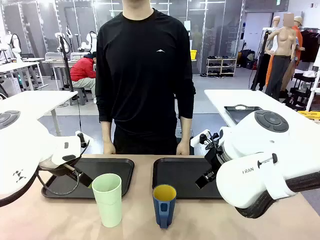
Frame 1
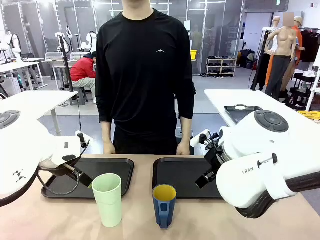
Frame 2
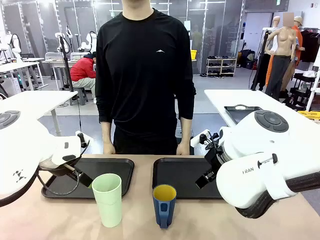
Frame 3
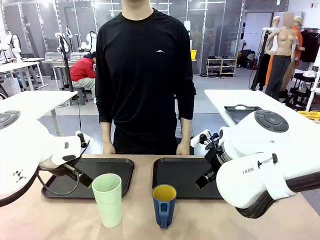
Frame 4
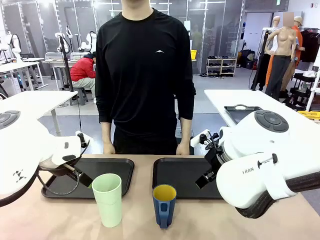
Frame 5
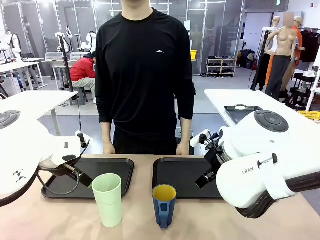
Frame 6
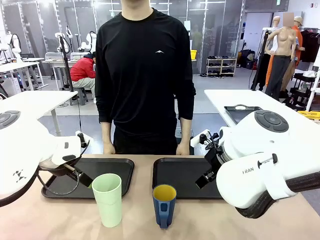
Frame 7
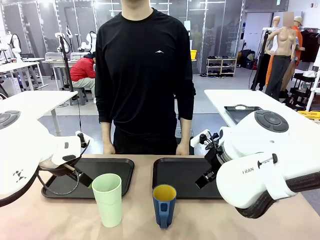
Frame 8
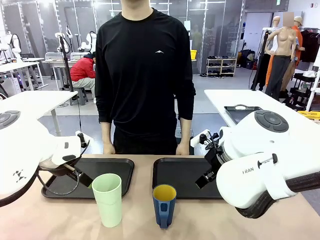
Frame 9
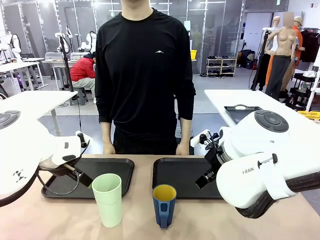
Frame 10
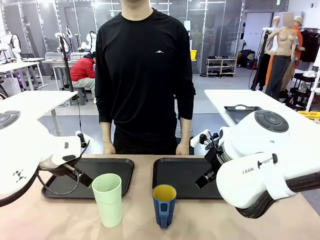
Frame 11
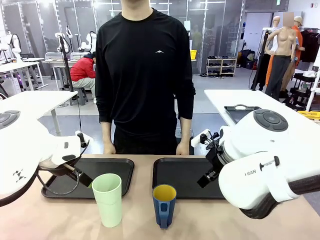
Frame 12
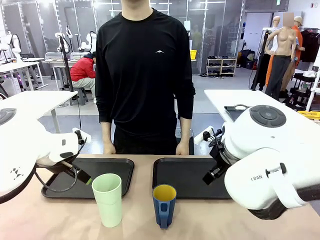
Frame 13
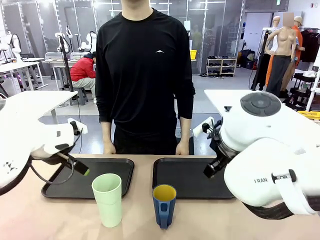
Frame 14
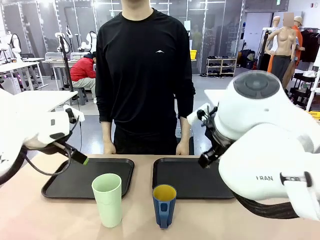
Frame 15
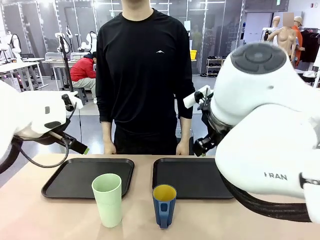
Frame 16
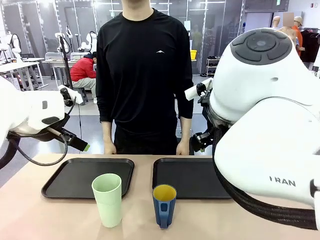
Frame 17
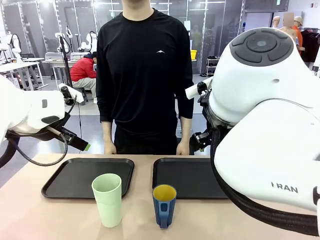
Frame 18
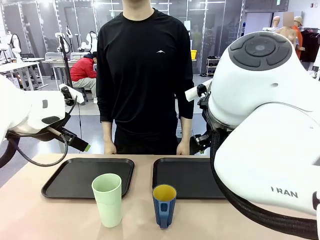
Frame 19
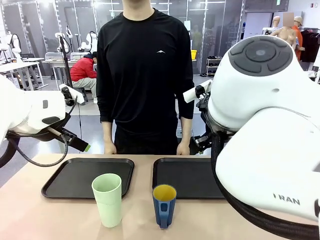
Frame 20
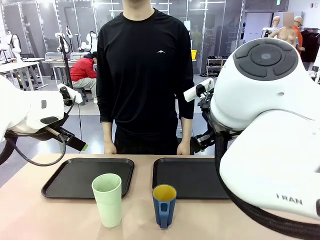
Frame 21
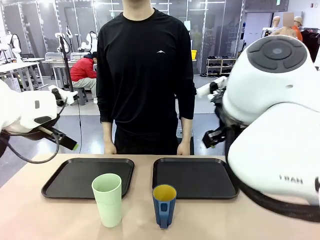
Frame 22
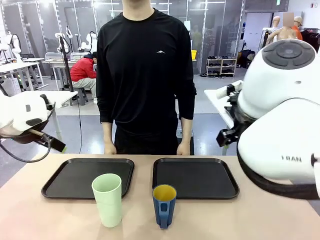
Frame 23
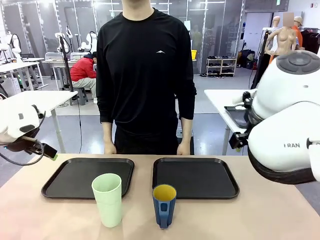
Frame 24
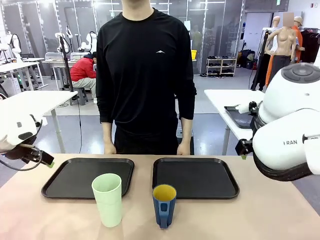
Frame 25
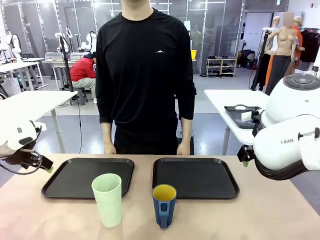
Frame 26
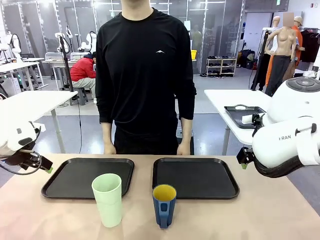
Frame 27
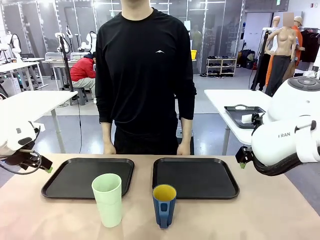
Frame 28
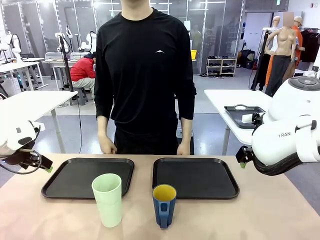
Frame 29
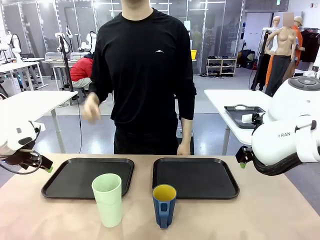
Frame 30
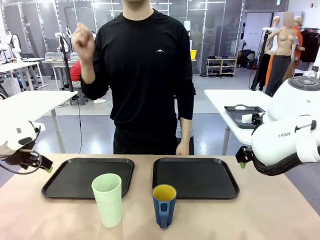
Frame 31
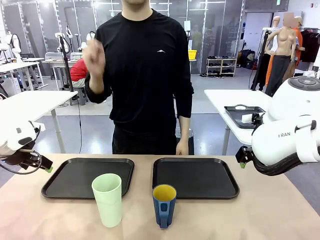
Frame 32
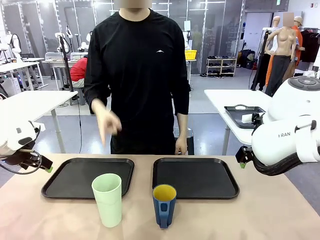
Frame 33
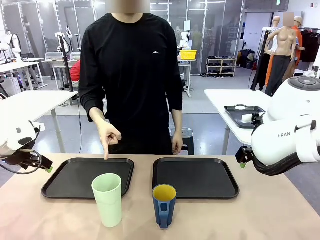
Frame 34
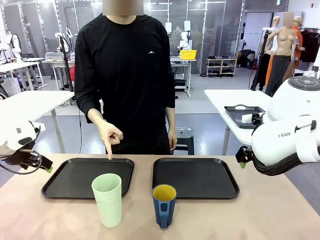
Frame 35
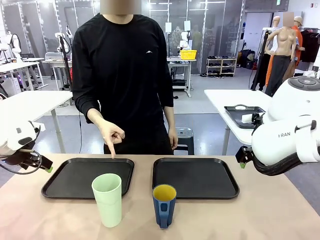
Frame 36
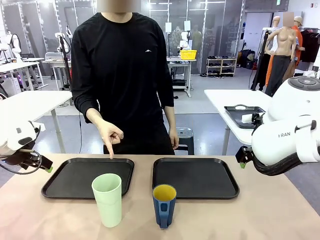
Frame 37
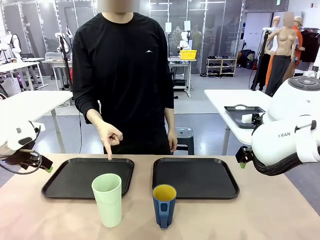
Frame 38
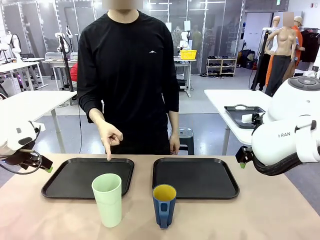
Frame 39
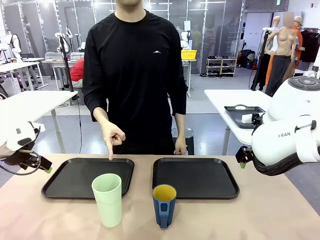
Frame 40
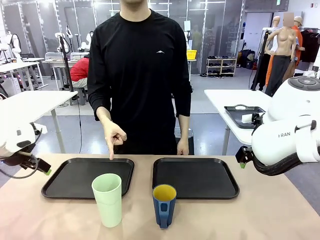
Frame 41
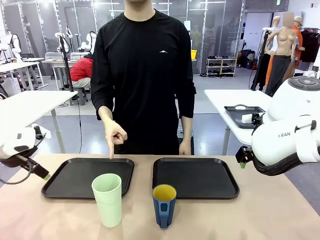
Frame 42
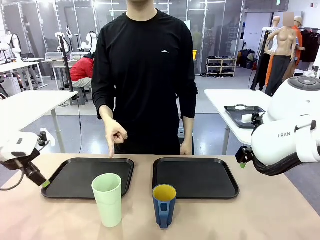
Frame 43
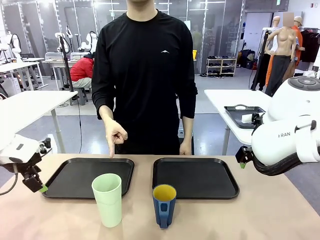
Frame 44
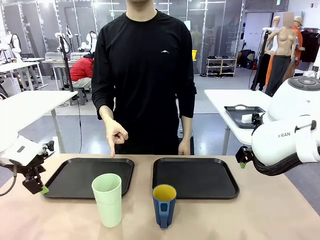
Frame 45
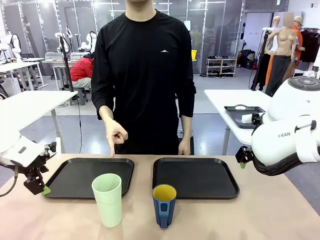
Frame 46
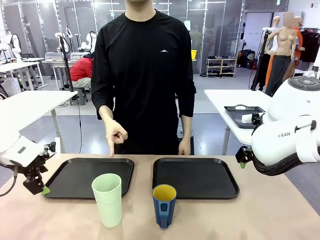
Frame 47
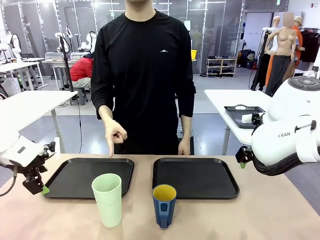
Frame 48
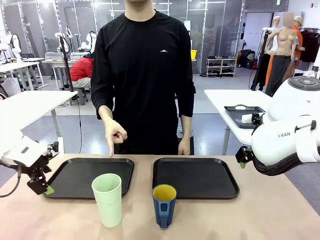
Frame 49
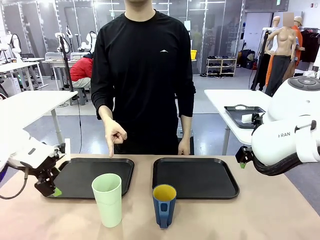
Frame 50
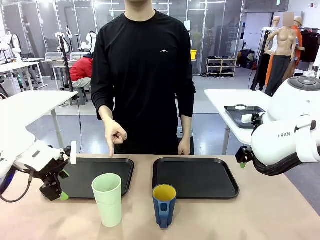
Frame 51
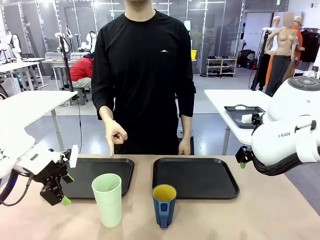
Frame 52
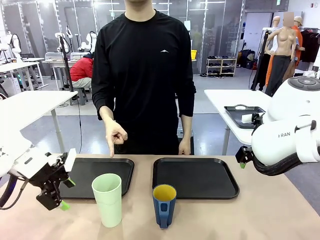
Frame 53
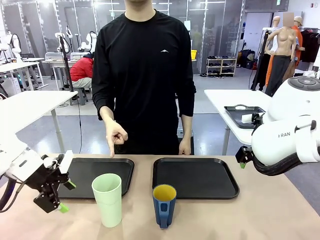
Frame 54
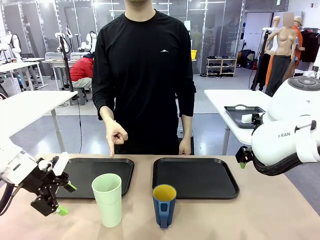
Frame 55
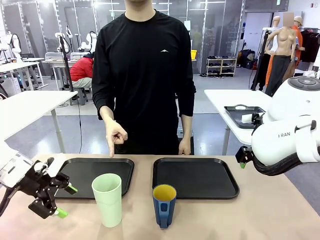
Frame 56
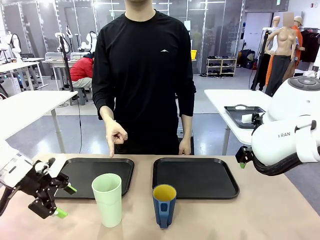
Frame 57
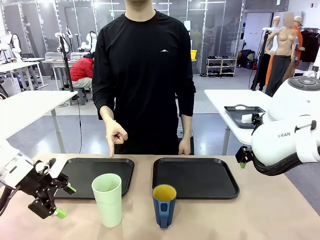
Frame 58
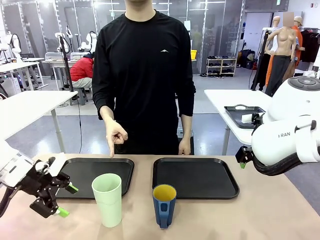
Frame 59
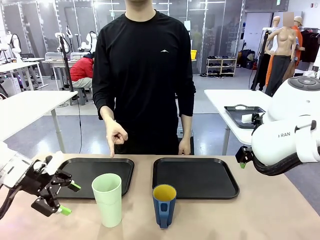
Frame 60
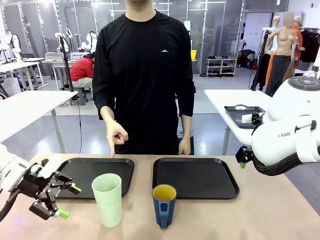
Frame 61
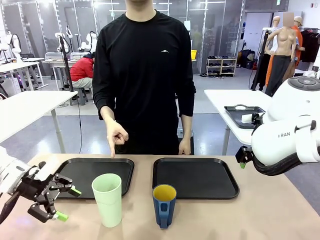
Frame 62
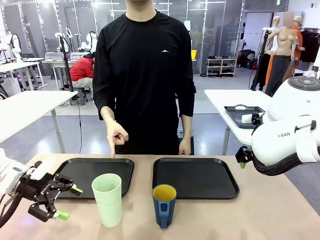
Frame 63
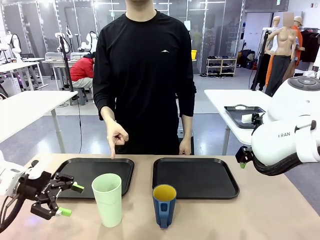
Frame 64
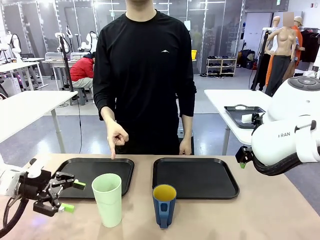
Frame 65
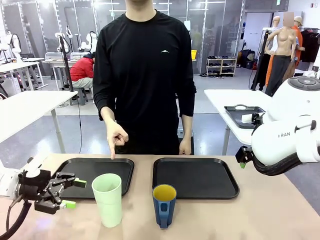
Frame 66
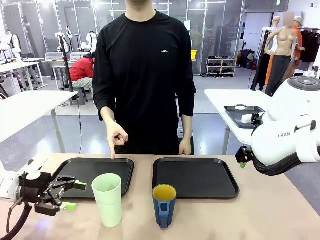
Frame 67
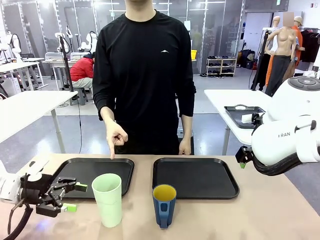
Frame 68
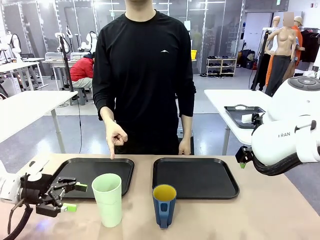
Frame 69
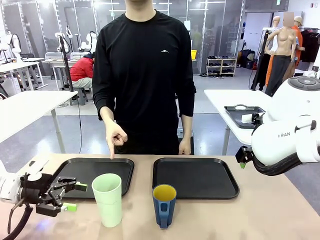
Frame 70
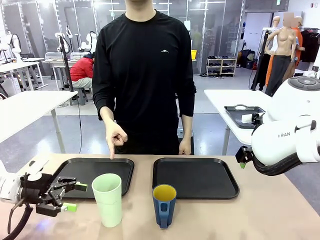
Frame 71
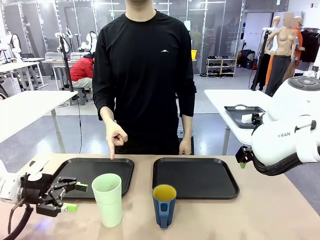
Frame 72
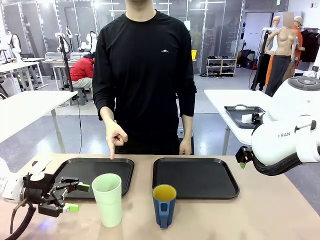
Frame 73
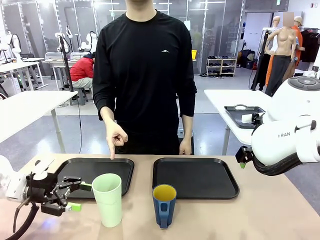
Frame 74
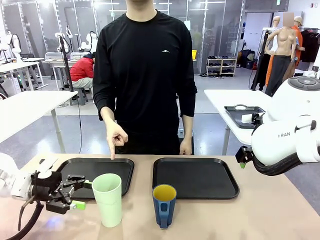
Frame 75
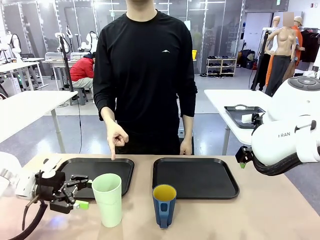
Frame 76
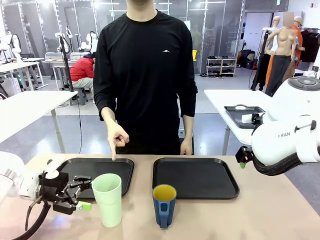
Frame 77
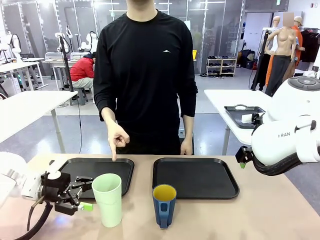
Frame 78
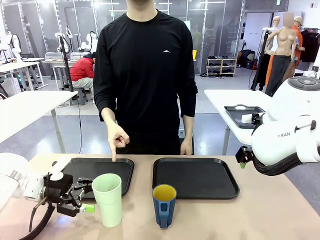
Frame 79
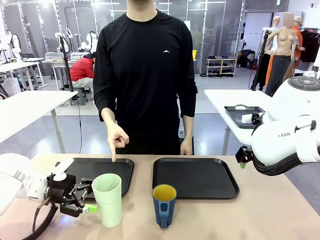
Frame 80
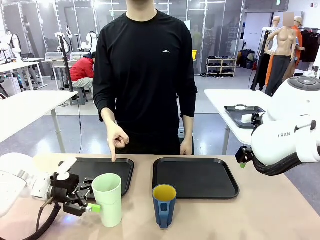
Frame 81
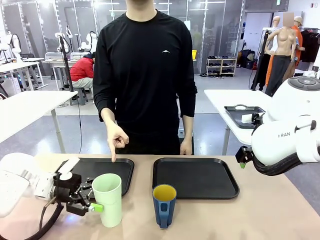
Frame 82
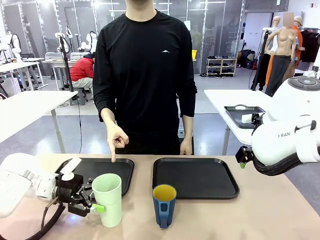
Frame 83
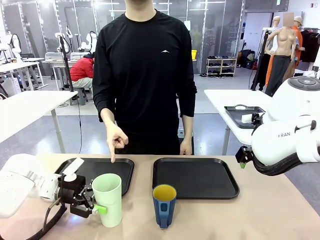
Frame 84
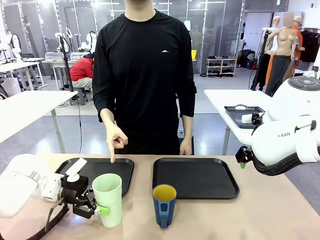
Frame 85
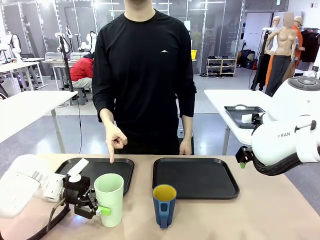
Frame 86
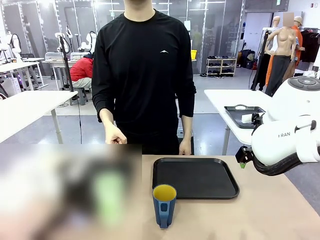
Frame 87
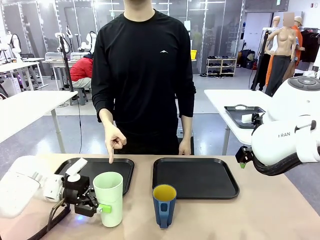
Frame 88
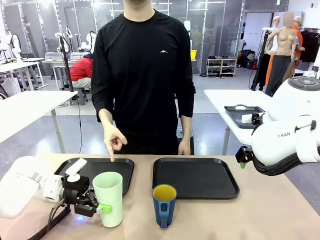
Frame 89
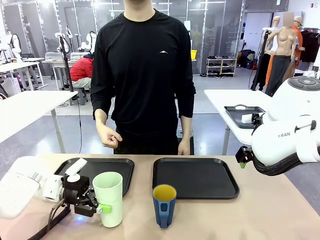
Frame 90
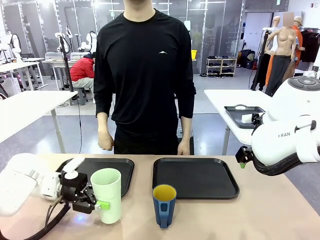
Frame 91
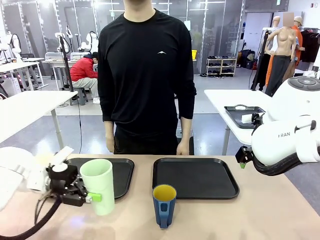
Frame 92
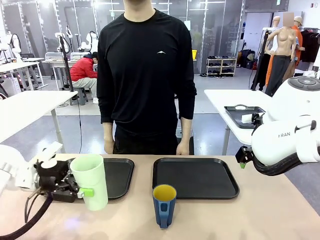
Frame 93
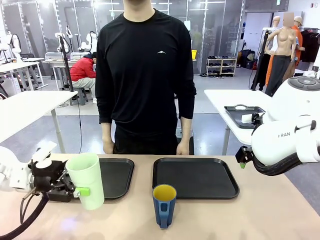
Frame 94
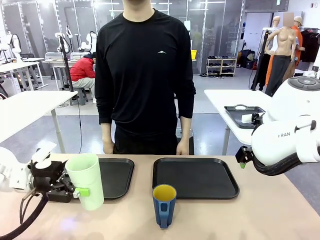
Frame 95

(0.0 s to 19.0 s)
Task: Sort and store the cups by type.
Robot: Pick up the Reusable plastic cup.
Person: Points to the reusable cup. Point to one of the two trays.
